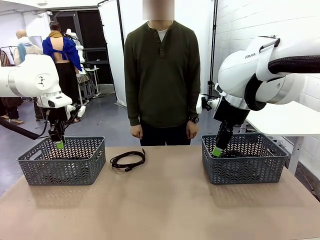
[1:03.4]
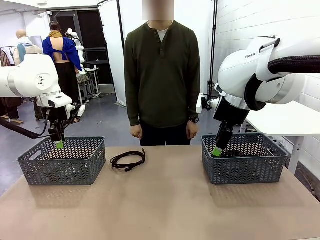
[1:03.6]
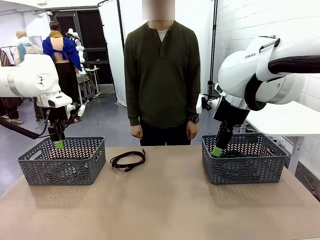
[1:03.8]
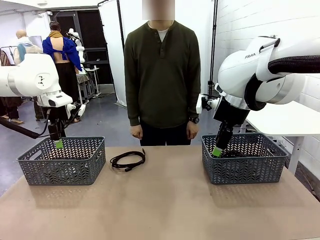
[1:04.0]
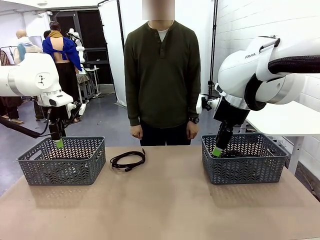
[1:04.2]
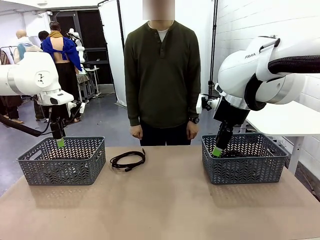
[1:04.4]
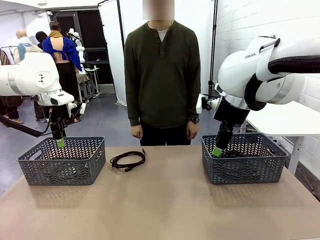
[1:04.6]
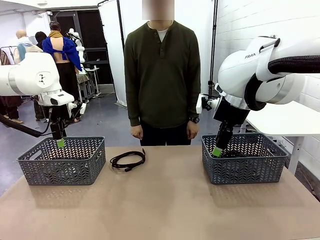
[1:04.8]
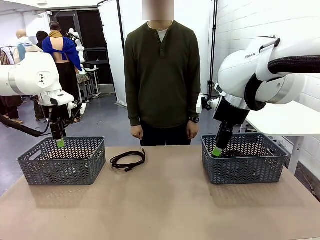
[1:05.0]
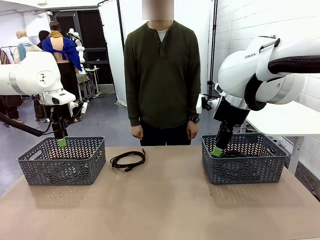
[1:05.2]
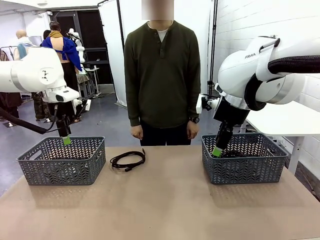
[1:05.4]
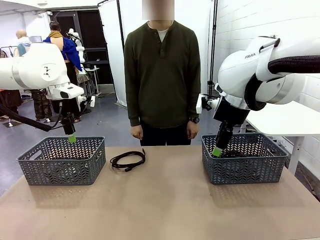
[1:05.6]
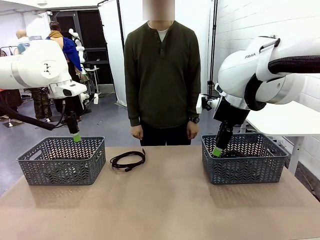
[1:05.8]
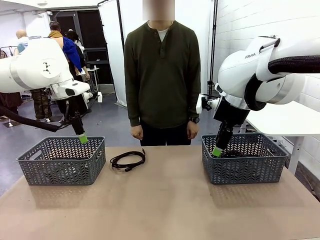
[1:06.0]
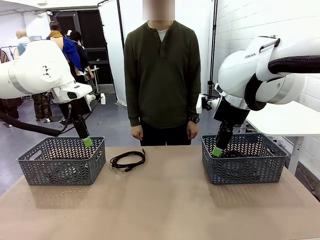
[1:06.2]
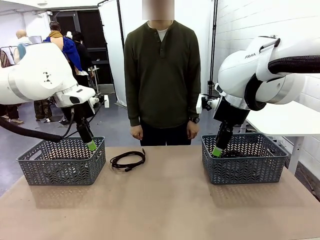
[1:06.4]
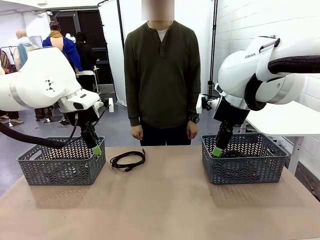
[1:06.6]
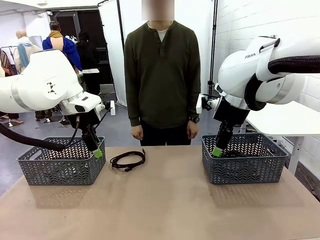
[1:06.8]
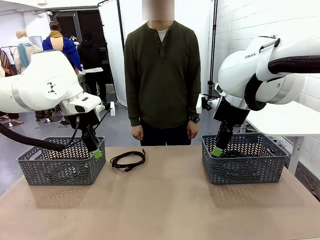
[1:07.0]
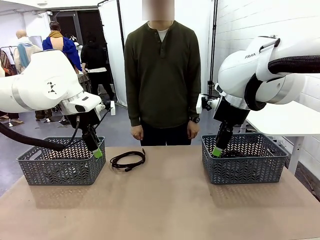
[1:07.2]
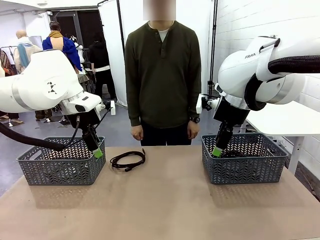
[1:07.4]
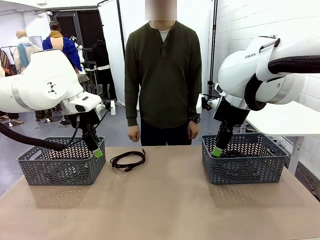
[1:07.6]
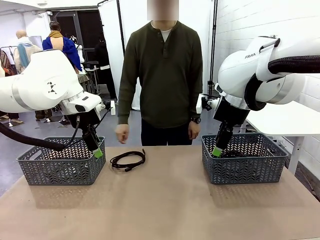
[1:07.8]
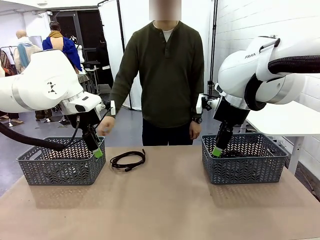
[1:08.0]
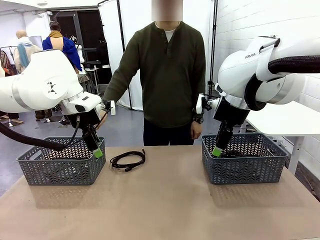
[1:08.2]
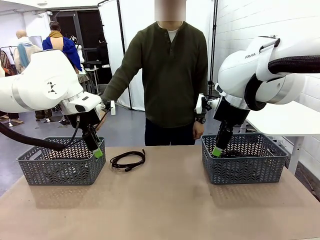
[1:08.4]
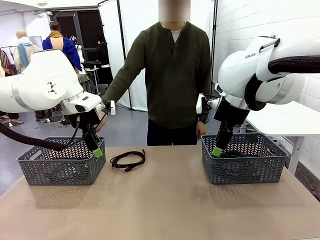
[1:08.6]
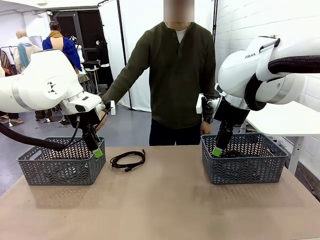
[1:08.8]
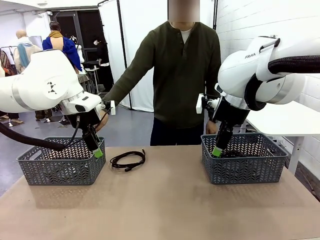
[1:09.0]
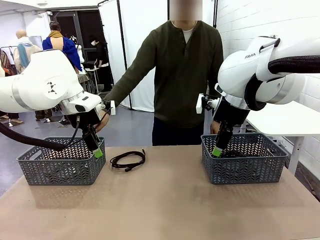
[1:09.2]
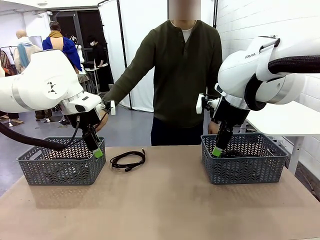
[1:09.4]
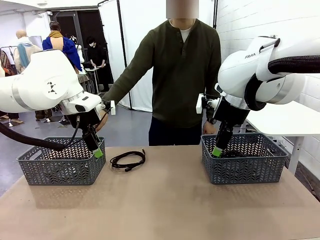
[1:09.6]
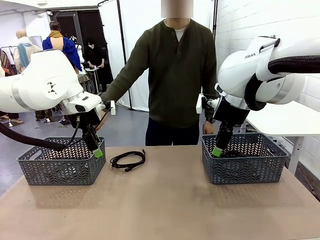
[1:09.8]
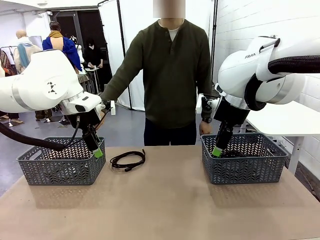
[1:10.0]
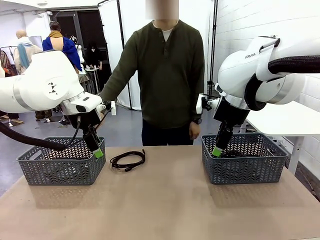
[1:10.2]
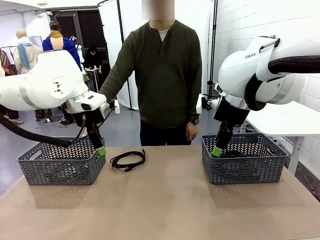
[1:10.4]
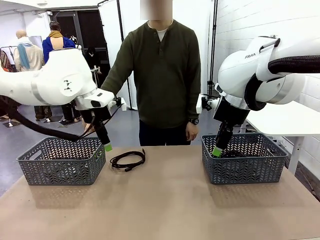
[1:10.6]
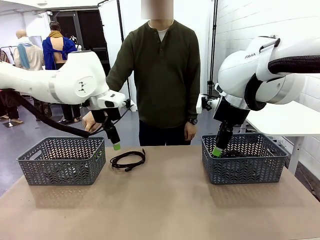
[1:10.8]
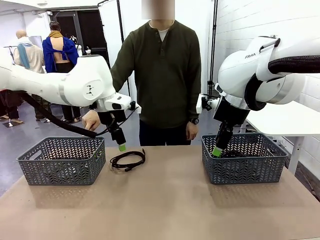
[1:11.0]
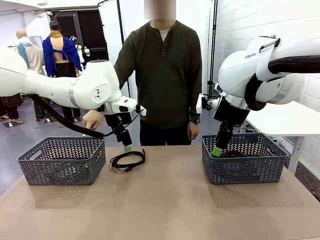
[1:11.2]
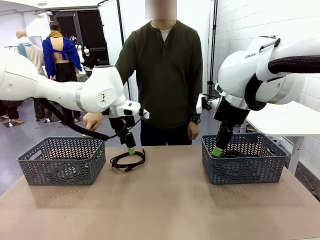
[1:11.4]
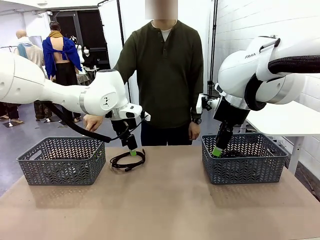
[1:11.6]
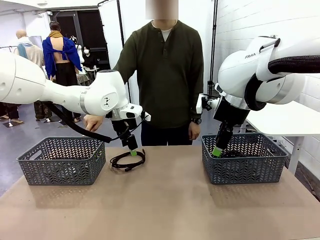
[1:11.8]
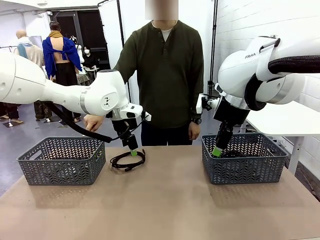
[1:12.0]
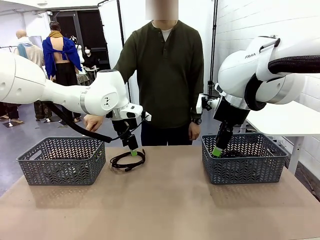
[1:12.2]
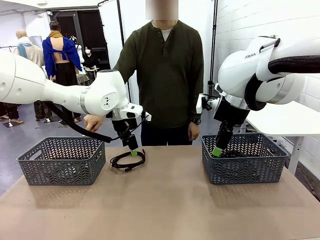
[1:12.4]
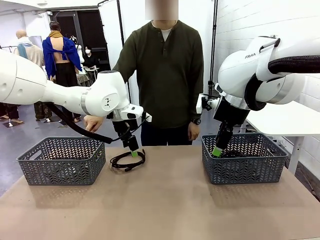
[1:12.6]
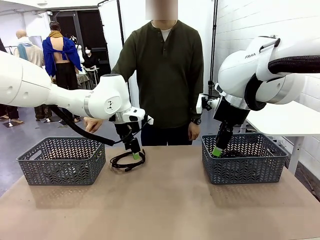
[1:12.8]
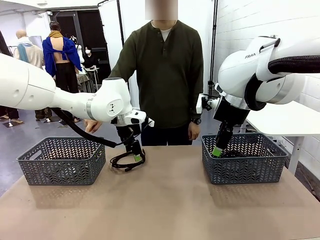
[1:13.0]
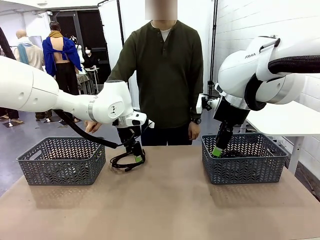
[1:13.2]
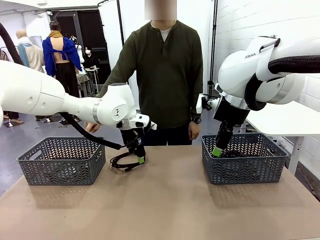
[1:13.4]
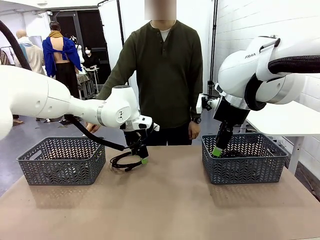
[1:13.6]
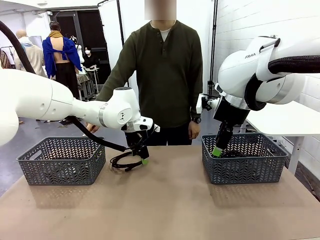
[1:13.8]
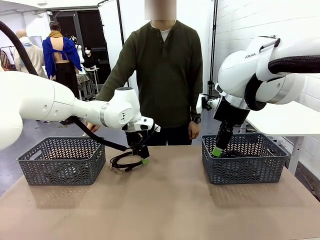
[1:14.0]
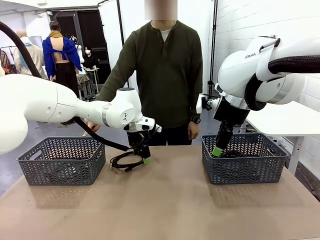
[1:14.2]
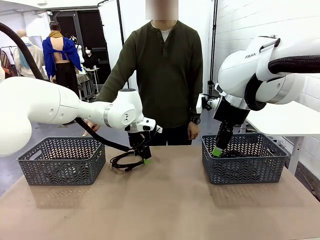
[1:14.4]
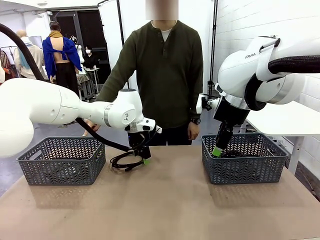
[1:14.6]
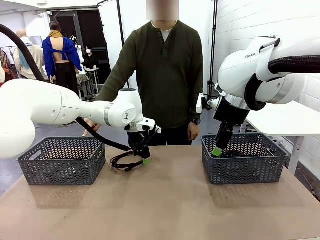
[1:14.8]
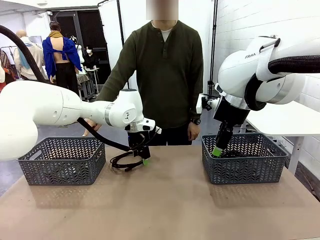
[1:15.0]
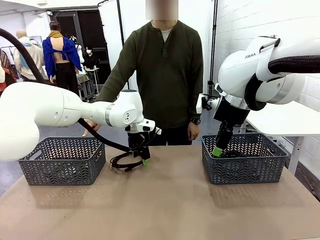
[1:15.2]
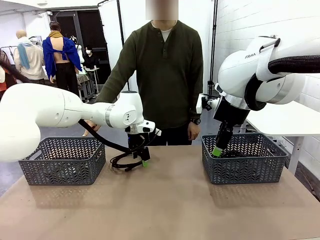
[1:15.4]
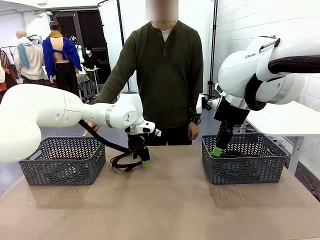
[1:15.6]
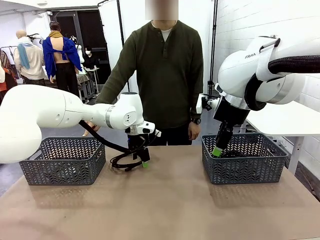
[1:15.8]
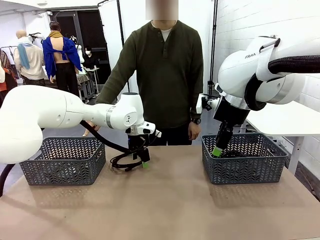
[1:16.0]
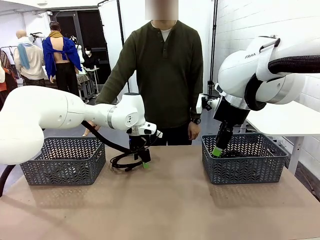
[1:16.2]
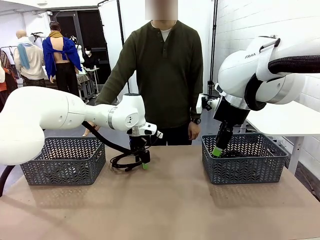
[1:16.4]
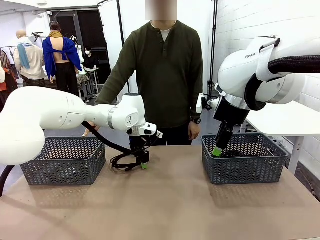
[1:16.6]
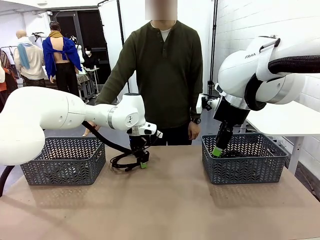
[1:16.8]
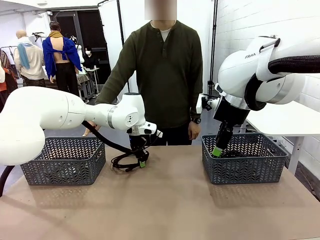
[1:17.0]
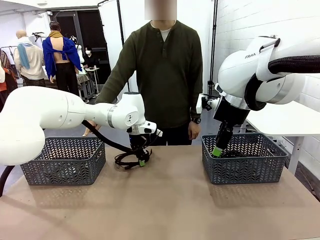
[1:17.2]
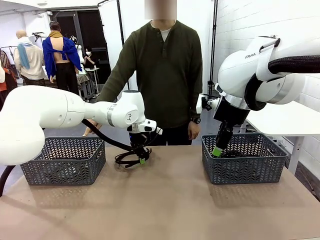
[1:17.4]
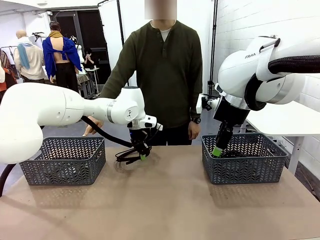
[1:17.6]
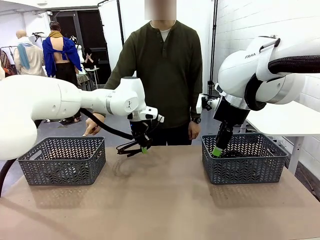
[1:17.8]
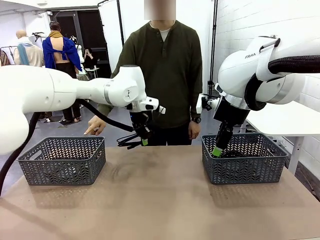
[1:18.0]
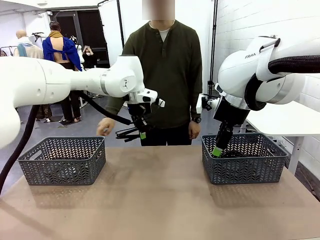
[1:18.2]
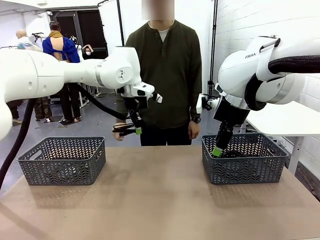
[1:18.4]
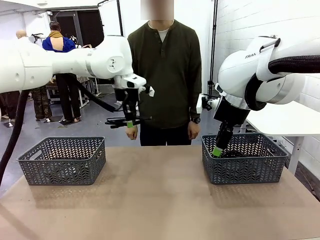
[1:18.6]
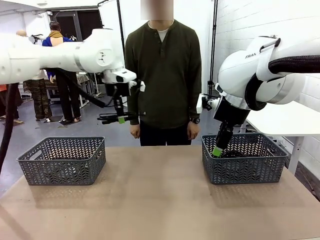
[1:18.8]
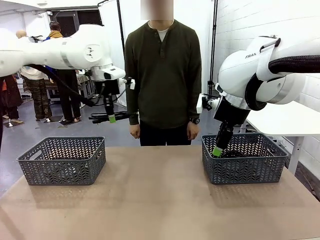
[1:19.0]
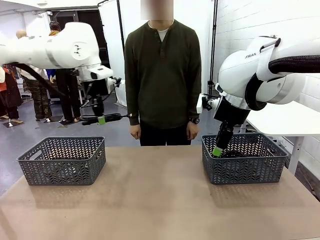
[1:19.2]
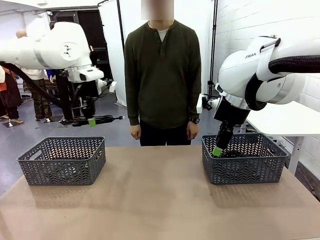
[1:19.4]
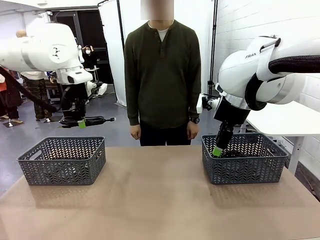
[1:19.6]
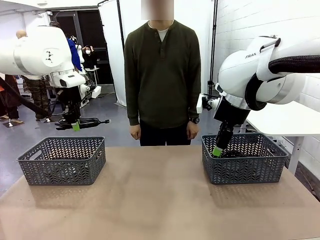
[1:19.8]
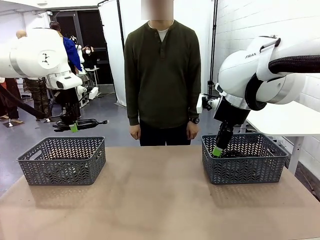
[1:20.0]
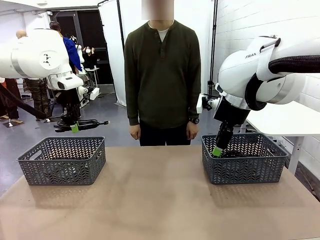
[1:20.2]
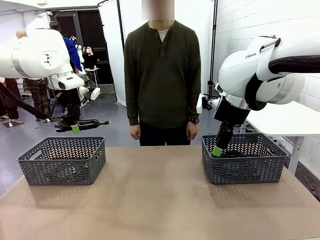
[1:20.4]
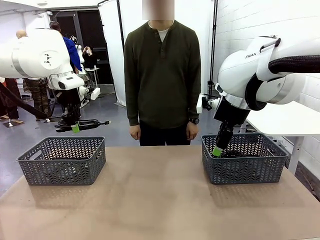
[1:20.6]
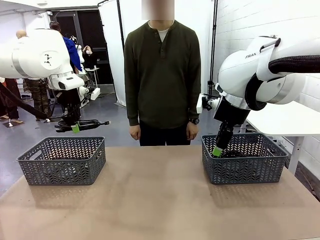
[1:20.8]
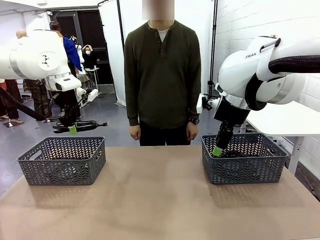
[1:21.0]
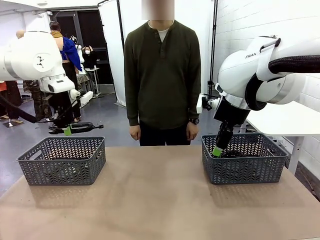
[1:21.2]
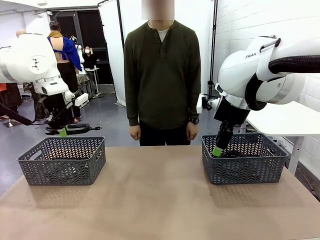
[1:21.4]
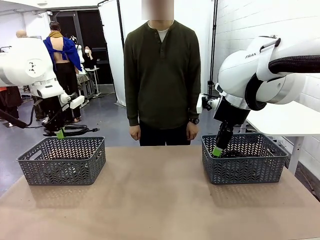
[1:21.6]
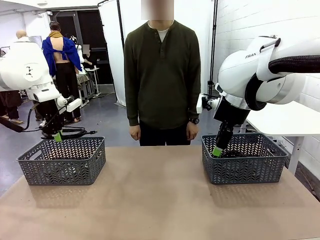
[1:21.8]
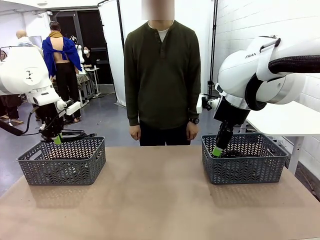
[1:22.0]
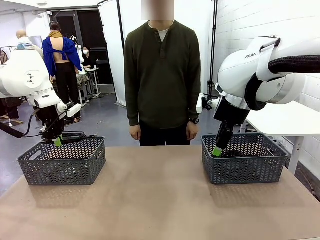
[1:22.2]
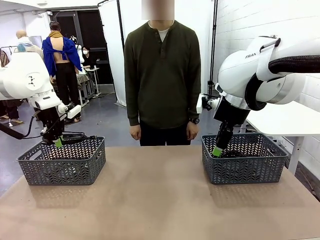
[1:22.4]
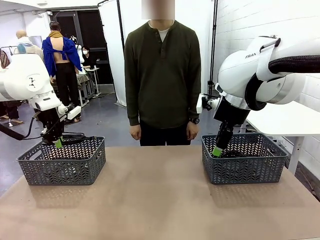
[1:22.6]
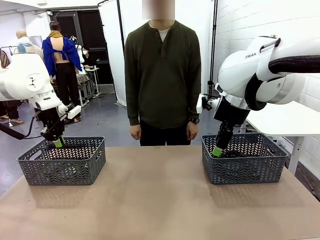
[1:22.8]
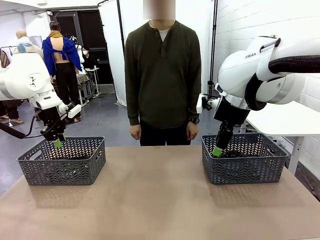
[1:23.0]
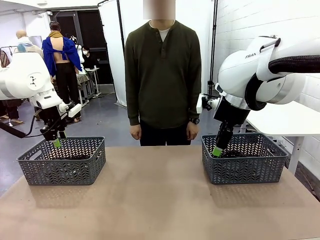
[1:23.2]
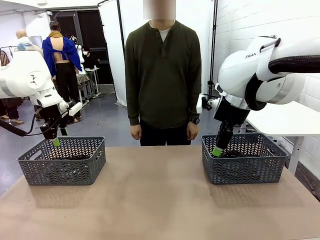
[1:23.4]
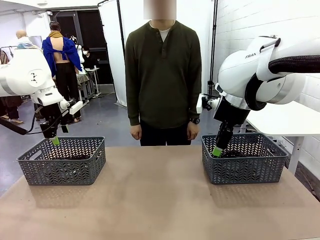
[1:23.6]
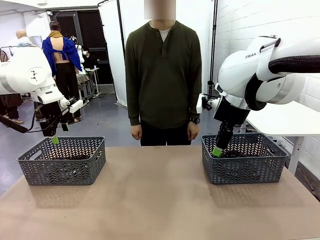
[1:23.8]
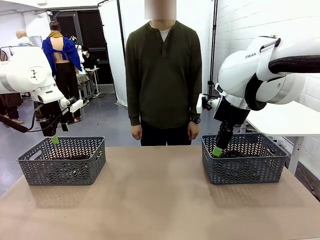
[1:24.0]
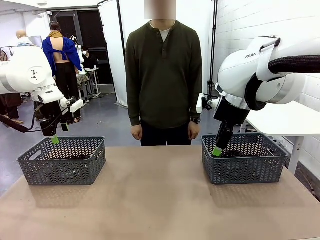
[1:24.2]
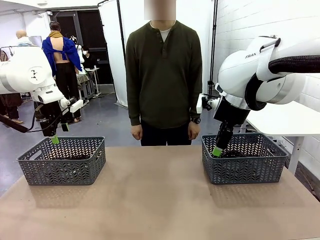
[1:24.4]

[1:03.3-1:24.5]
Task: Organize the cables according to human instructions.
Robot: Pick up a bundle of cables and place it in the basket indicated by the human.
